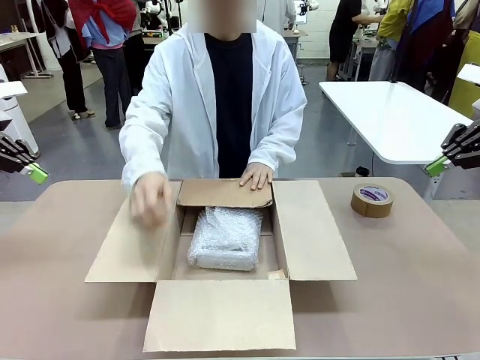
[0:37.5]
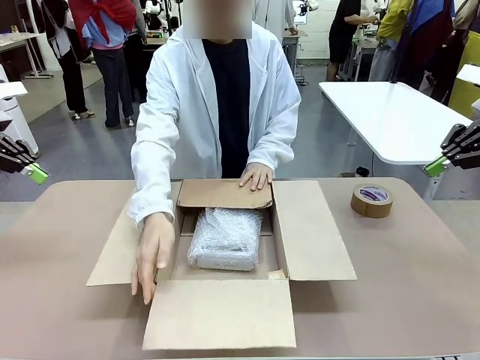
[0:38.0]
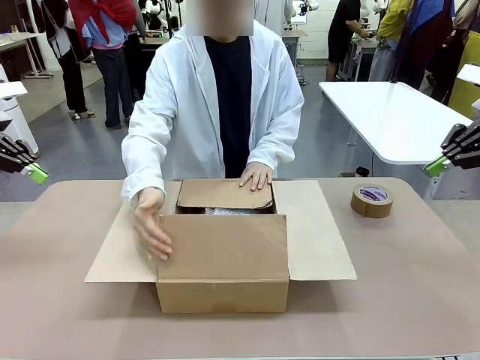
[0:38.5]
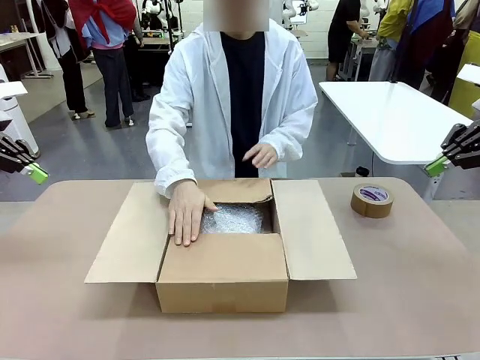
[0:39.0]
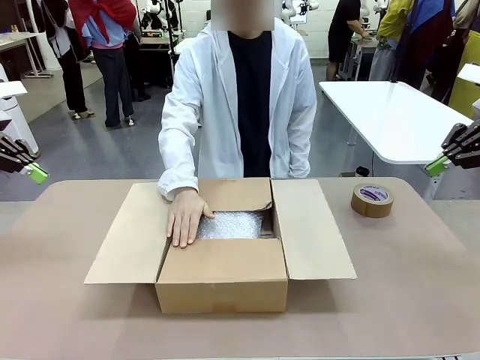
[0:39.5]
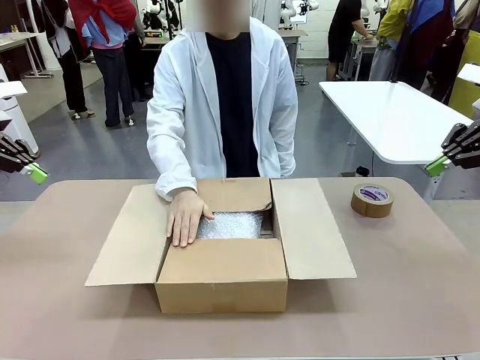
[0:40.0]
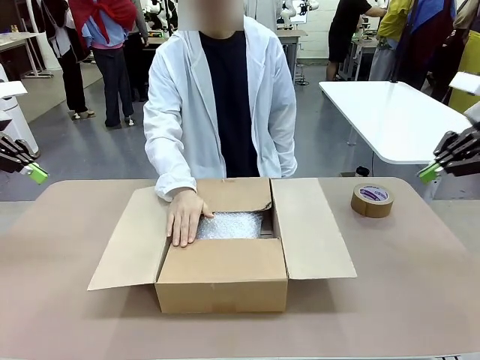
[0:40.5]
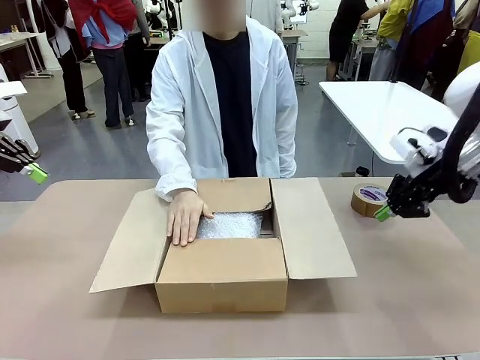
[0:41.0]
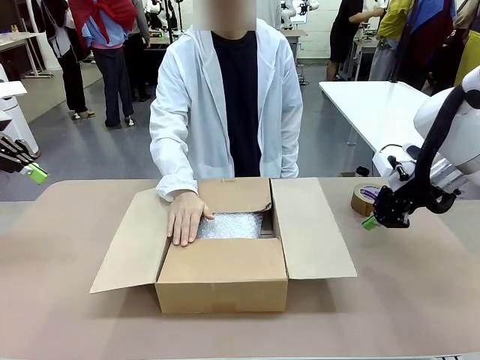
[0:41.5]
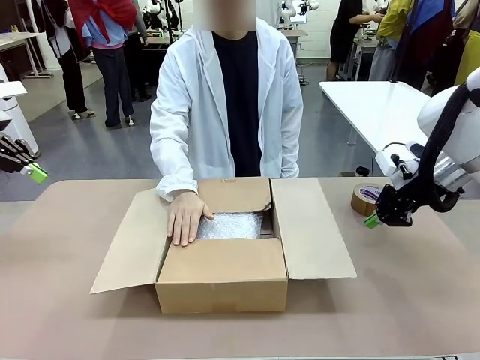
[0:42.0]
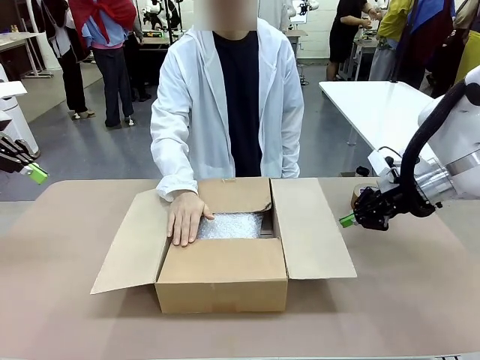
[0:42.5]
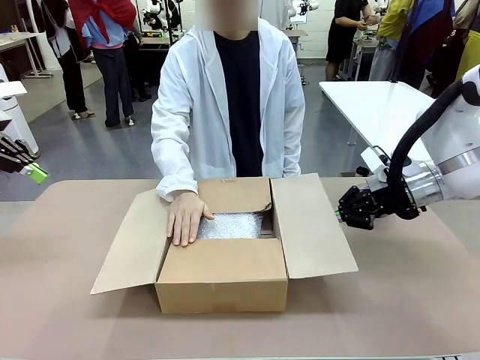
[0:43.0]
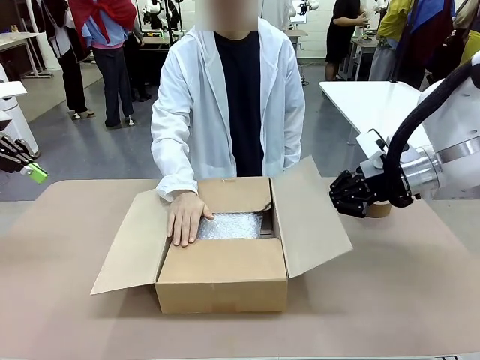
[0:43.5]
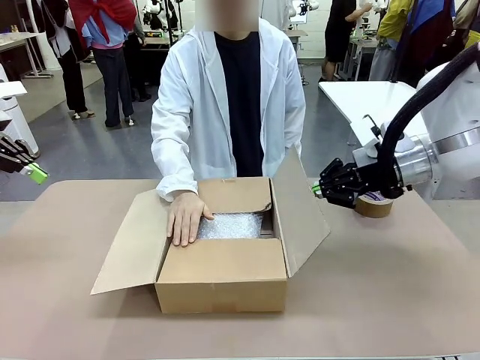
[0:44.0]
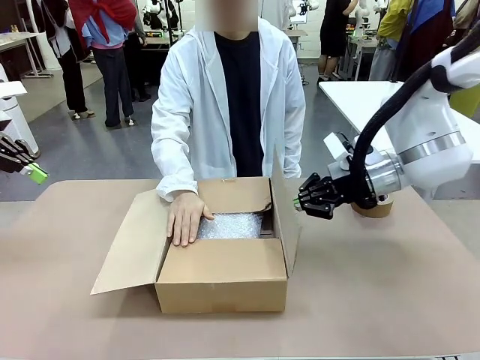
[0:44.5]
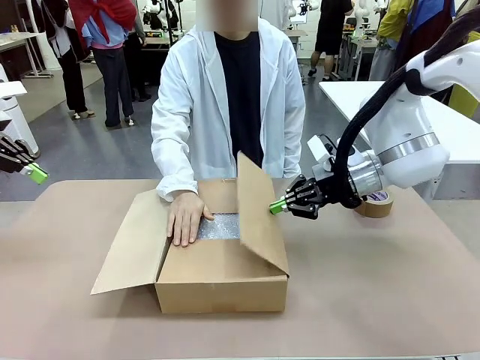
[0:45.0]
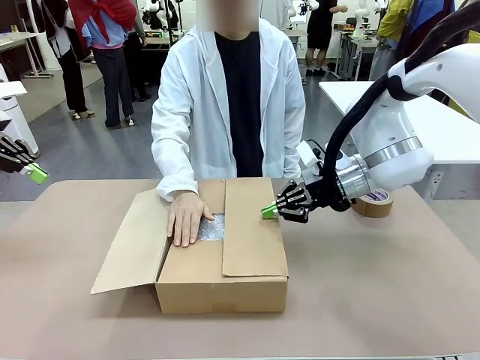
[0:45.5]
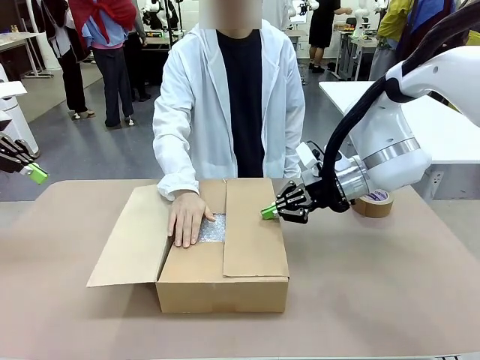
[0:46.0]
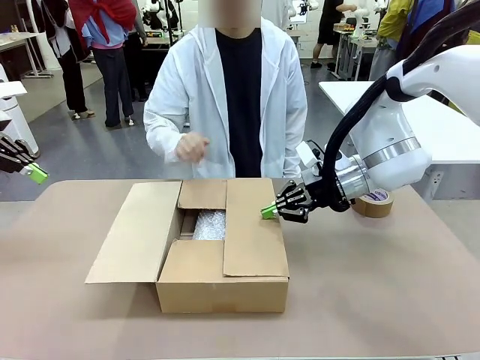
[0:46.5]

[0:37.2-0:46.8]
Task: Wrap the clocks to prevent damage.
Robot: Push the right (or left) flap of the Package Box to close it.
Person: Once the robot closes the right flap of the Package Box , release your left hand from the box.

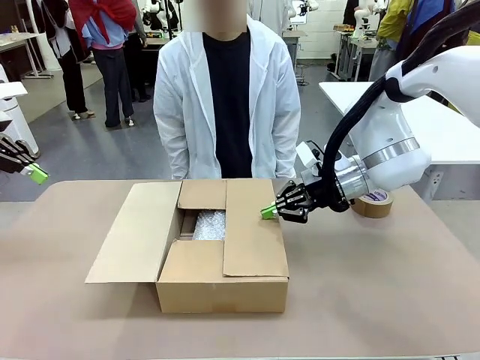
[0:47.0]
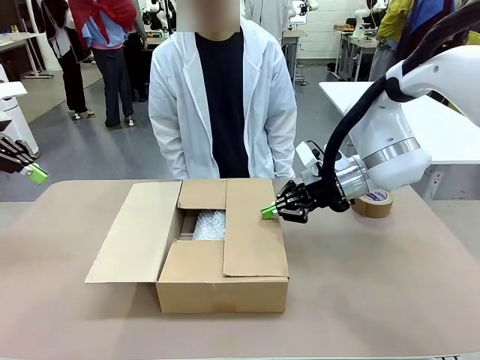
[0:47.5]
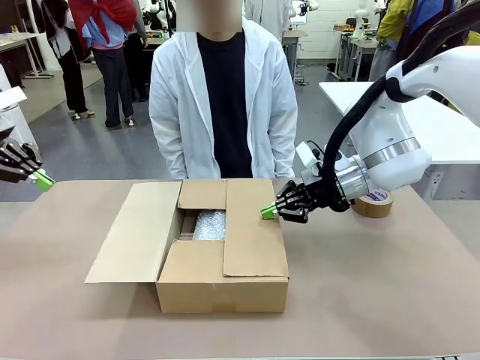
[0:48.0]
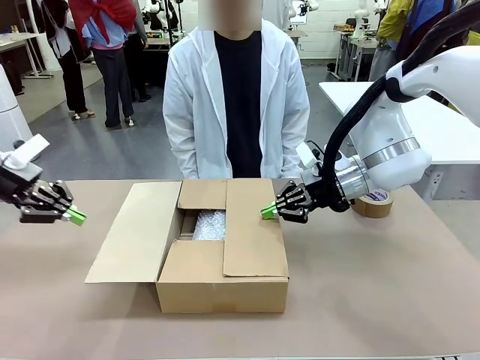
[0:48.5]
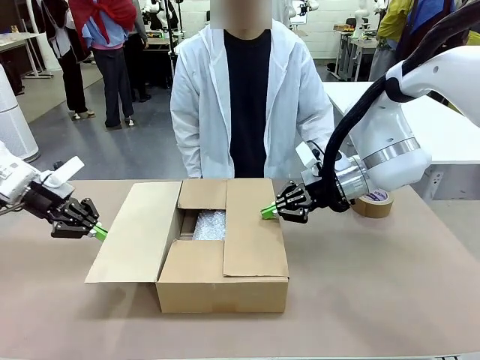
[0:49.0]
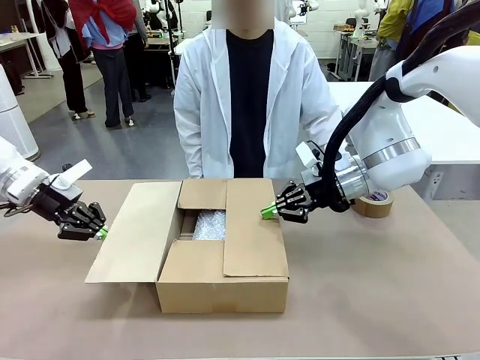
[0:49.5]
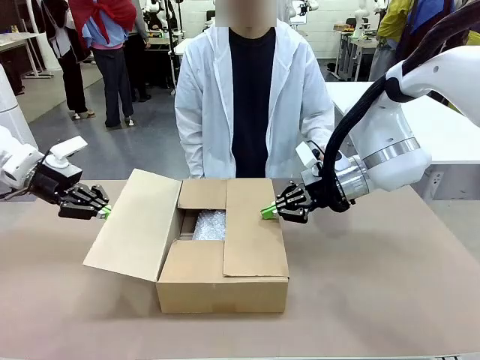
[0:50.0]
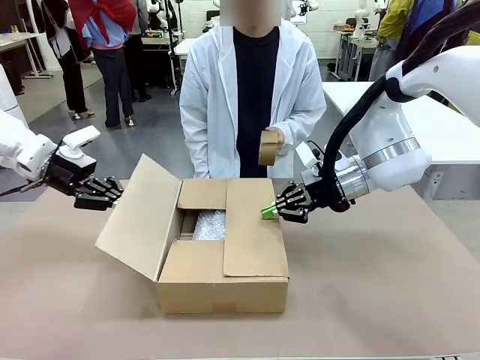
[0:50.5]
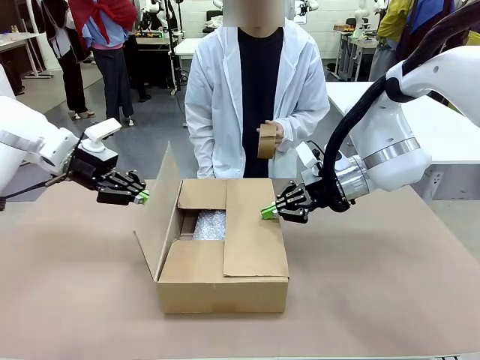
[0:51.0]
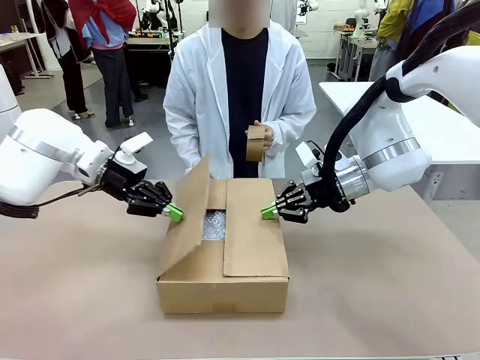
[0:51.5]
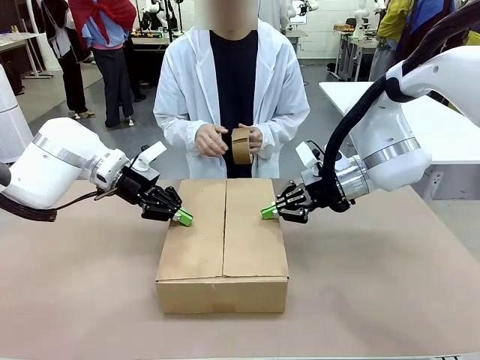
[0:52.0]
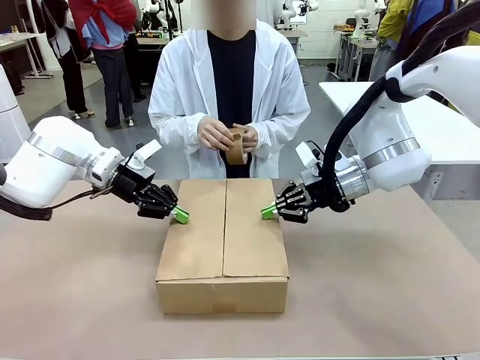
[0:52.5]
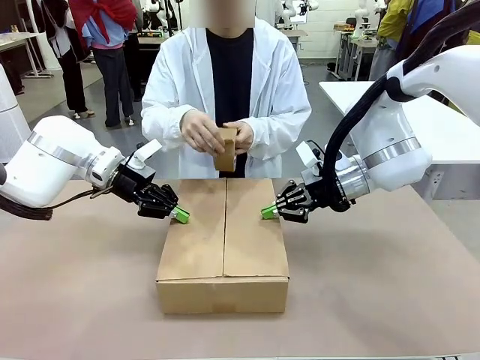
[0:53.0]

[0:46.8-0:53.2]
Robot: Push the left (or right) flap of the Package Box to close it.
